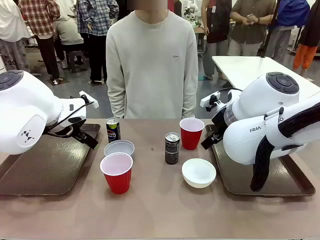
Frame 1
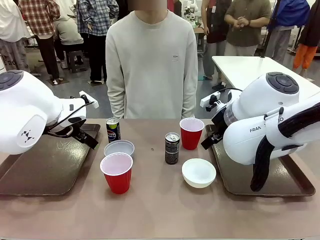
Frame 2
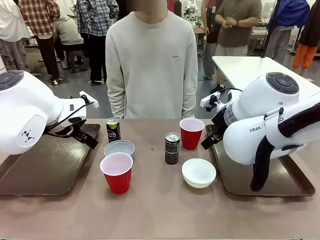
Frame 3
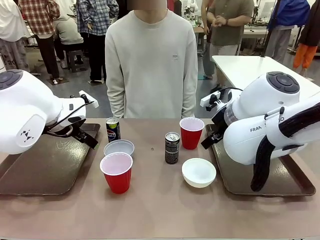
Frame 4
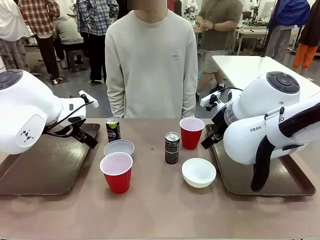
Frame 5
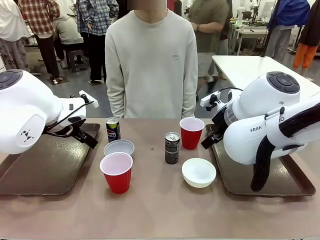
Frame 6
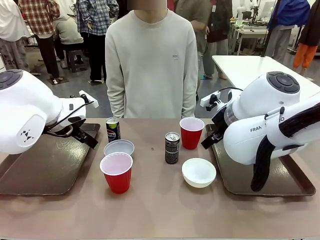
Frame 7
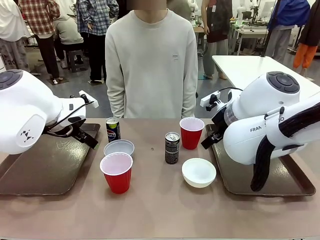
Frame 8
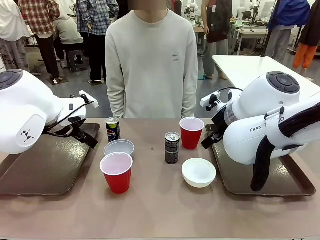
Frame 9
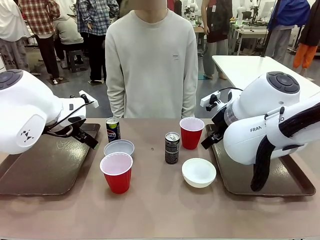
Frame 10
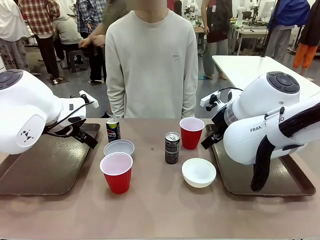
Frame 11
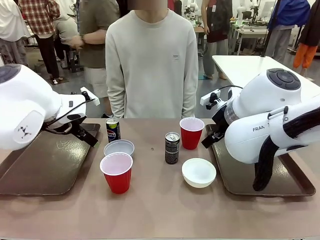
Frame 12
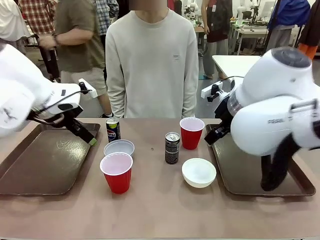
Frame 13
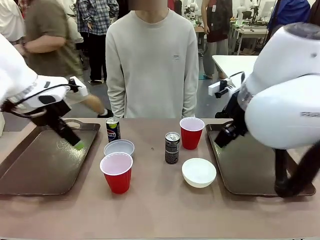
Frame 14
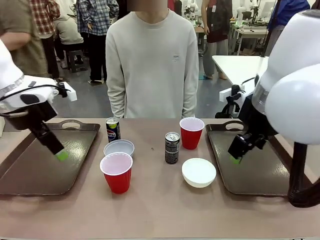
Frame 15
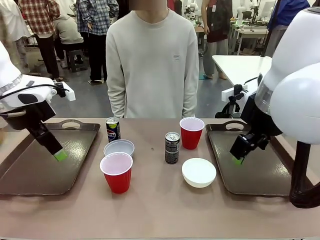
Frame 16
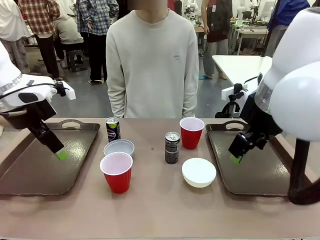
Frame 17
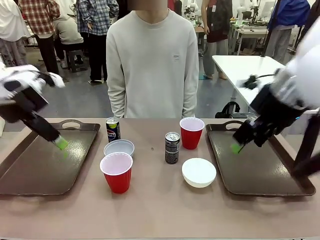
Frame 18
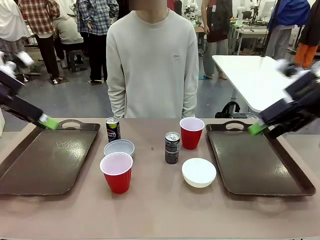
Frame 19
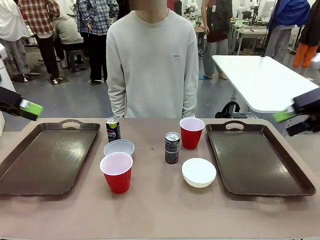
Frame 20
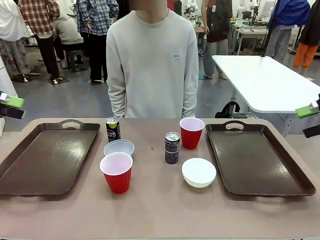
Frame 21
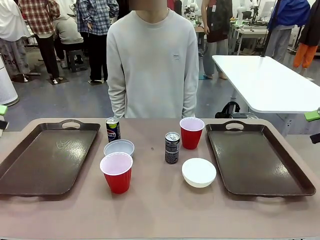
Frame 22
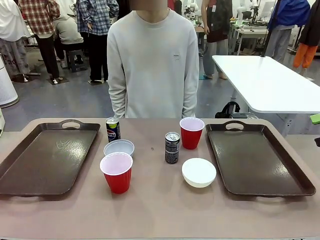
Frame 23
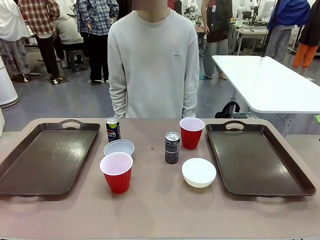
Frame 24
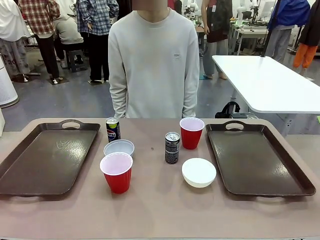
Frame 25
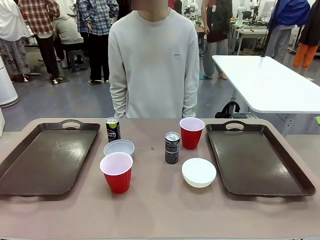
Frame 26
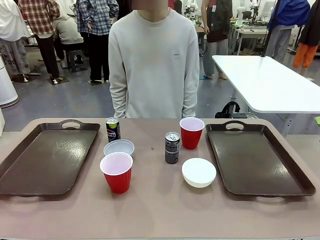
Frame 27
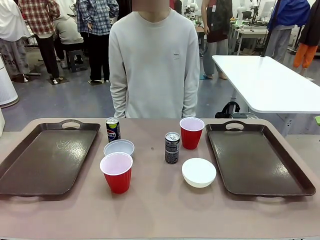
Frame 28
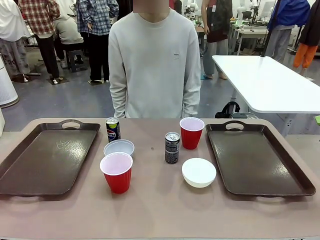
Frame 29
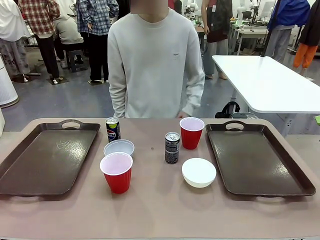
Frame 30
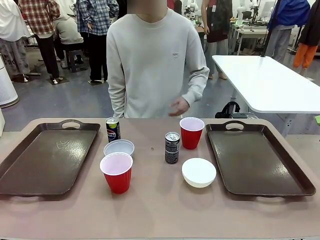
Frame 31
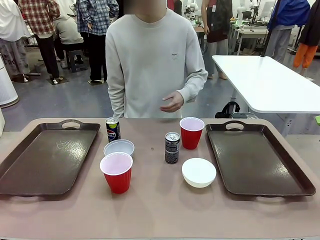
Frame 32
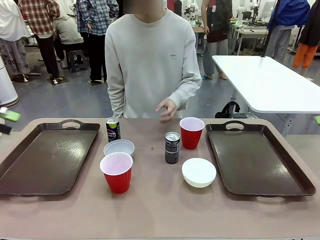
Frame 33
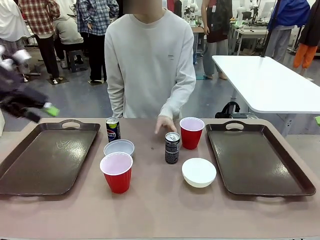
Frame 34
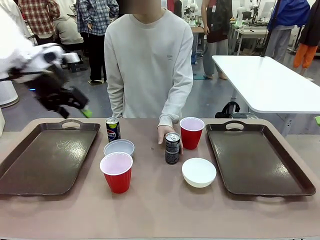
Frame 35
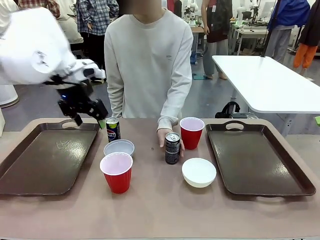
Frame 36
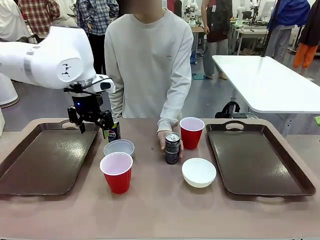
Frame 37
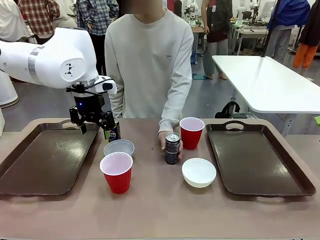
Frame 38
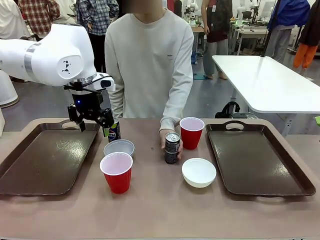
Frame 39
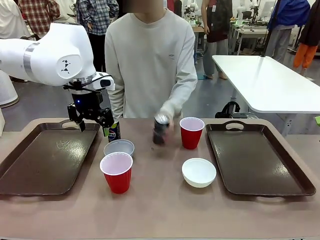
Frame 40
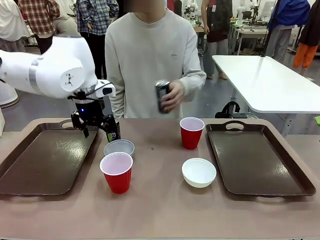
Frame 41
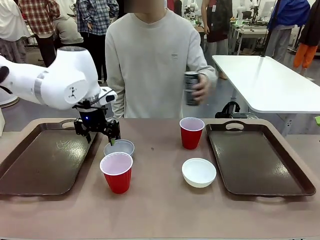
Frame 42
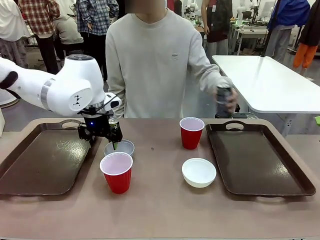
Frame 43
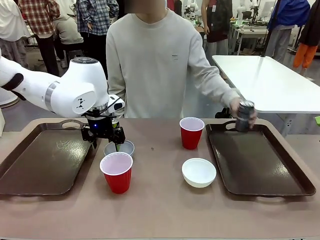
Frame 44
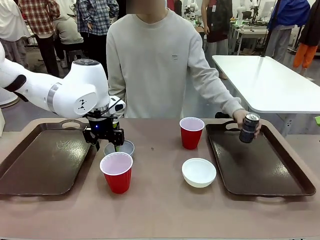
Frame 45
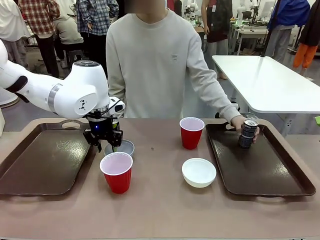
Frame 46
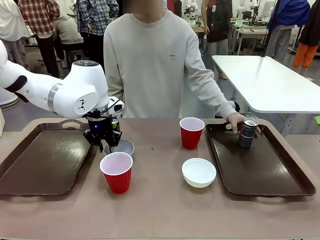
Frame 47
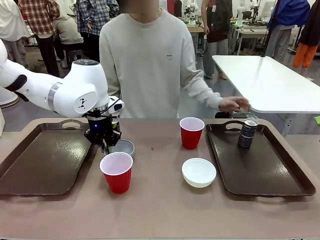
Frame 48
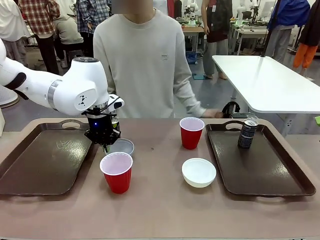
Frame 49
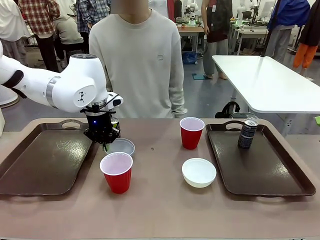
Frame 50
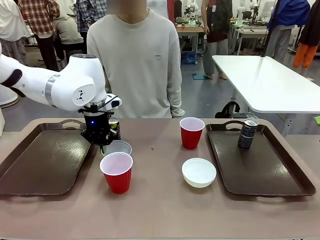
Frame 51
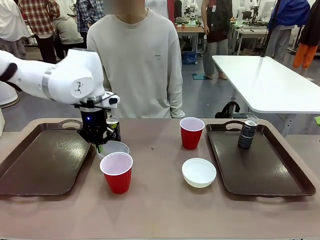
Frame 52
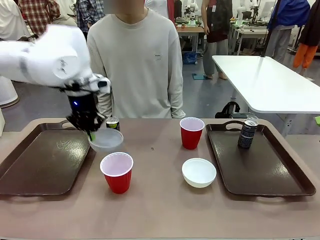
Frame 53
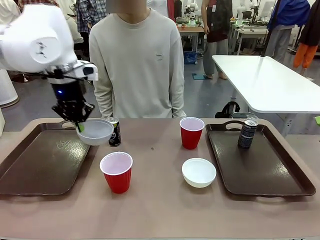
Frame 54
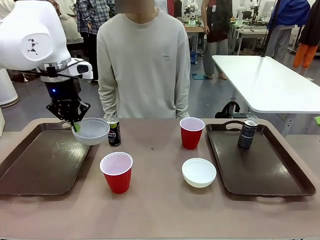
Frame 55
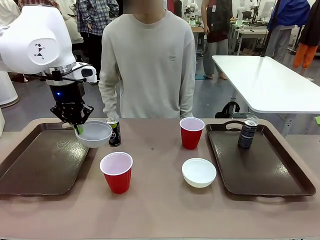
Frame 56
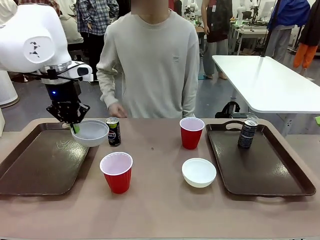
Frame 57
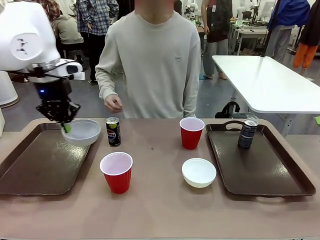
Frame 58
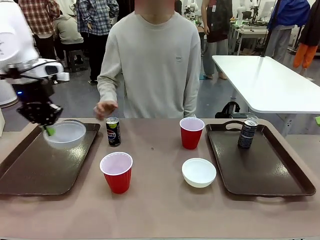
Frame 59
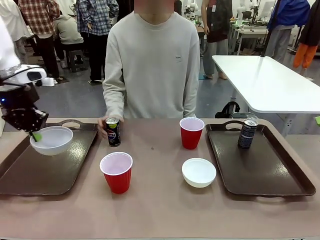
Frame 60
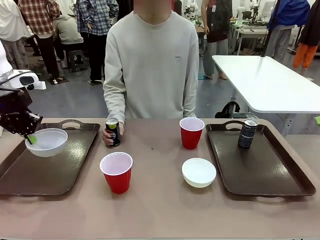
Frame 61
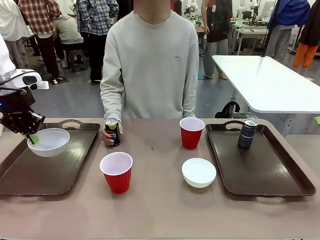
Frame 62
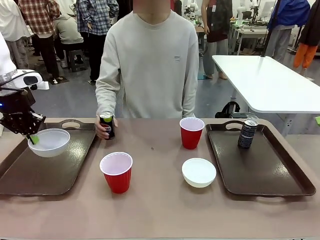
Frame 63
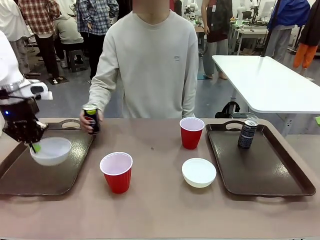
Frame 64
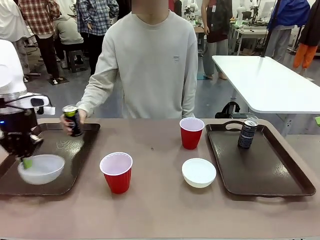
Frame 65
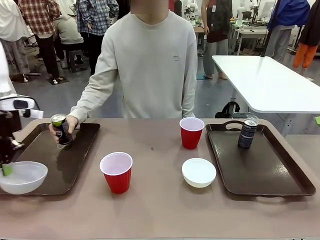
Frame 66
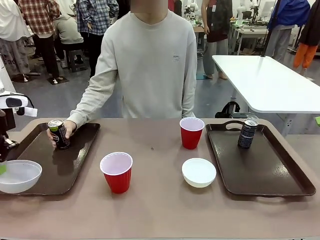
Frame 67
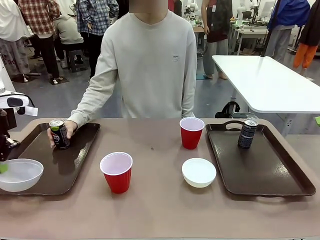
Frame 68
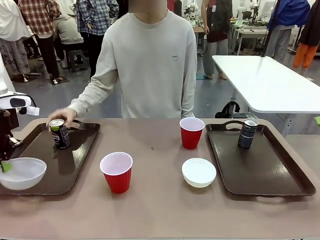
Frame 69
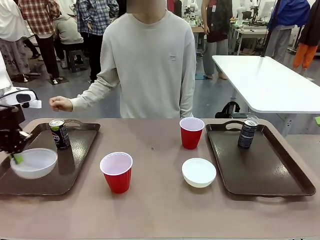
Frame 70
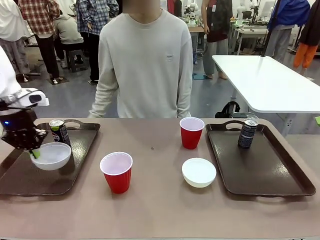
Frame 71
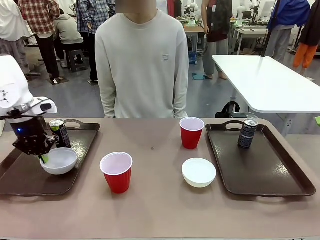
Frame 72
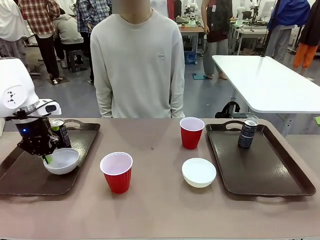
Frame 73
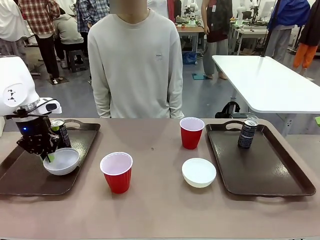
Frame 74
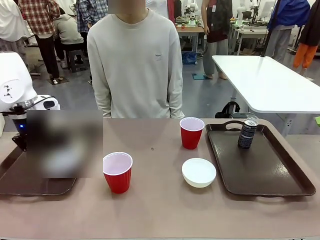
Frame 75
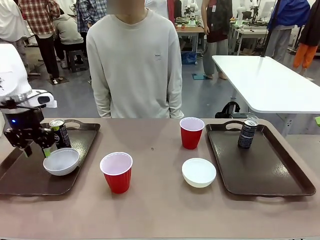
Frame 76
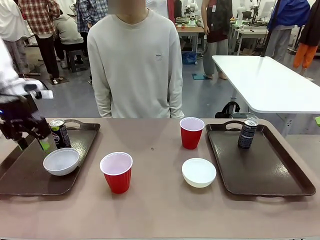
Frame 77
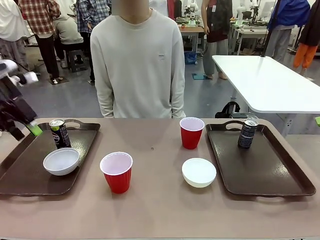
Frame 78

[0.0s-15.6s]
Task: Prepare tableware on both trays.
Robot: Pick up a Picnic Bowl from the table and place it on a Handle tray.
Person: Pick up a can or cup and place it on the tray.
